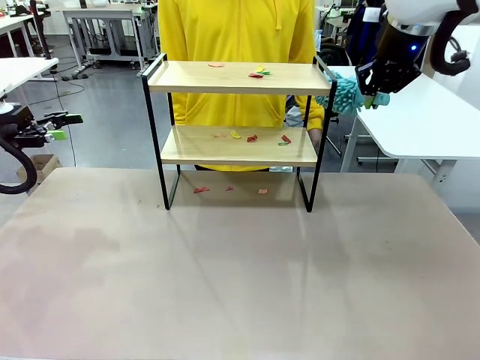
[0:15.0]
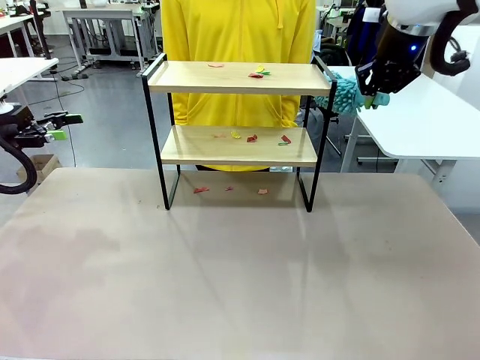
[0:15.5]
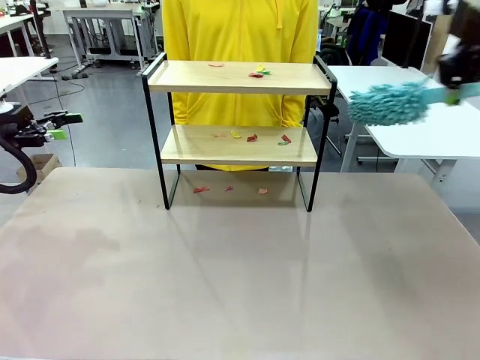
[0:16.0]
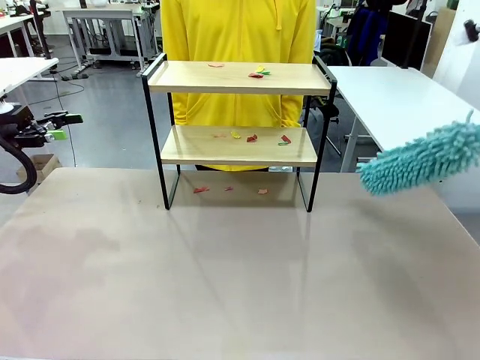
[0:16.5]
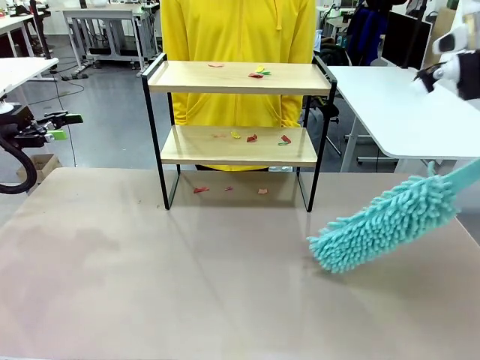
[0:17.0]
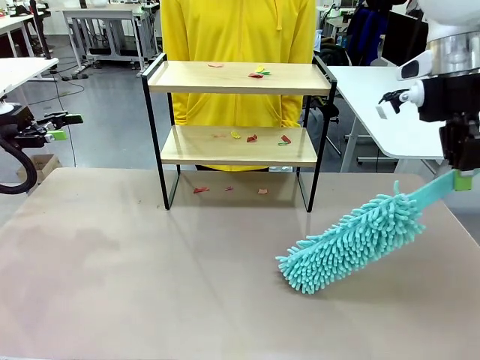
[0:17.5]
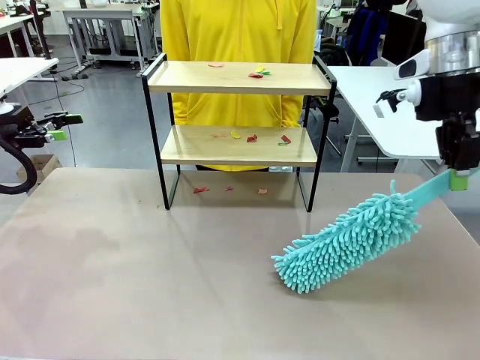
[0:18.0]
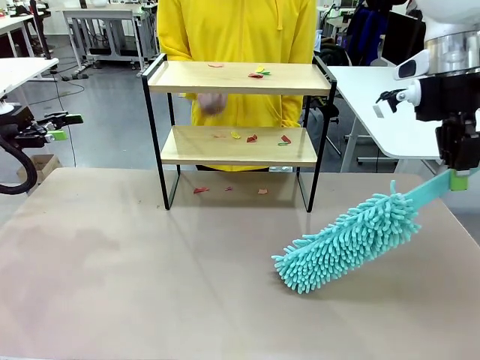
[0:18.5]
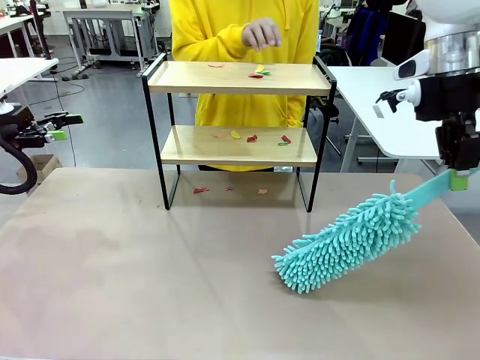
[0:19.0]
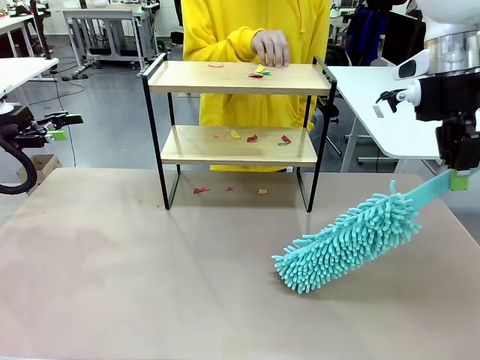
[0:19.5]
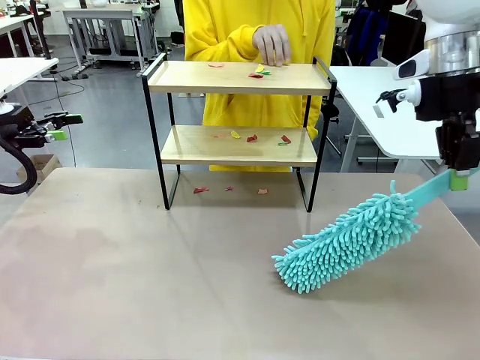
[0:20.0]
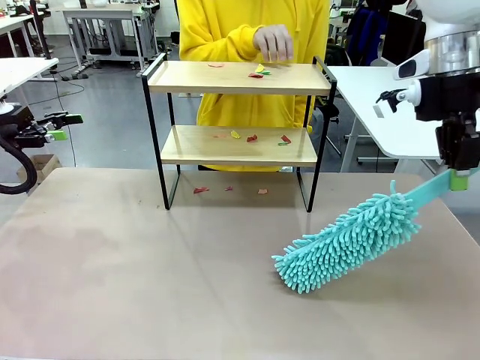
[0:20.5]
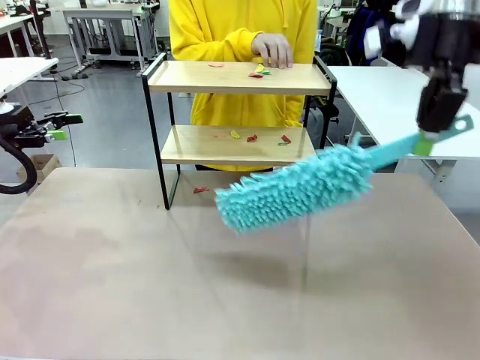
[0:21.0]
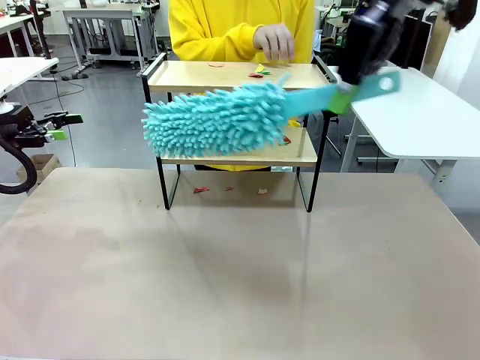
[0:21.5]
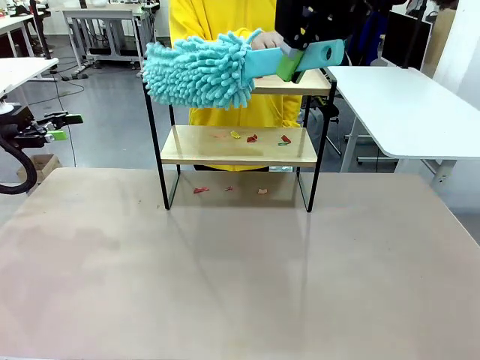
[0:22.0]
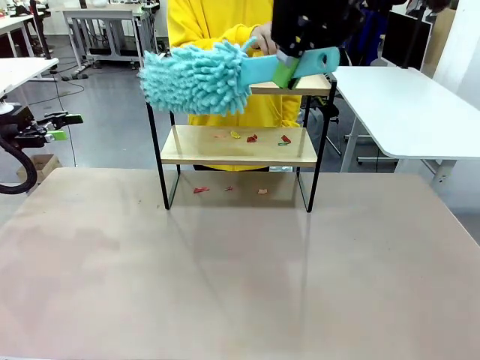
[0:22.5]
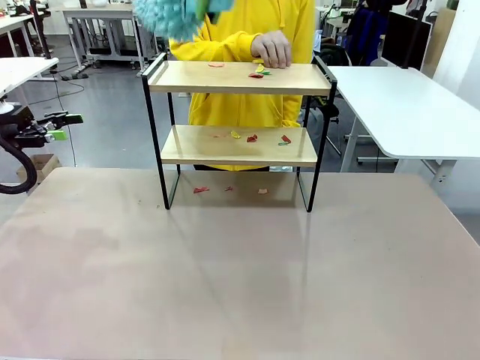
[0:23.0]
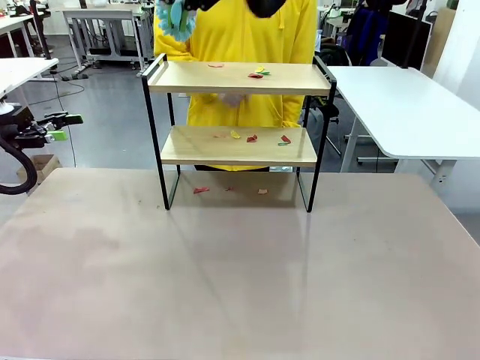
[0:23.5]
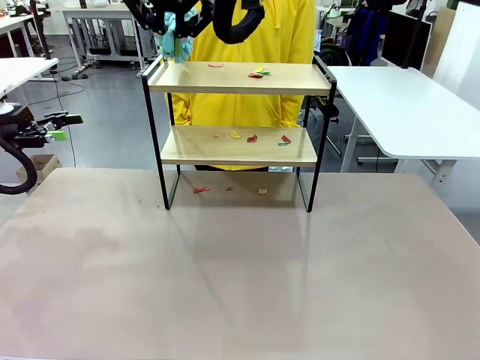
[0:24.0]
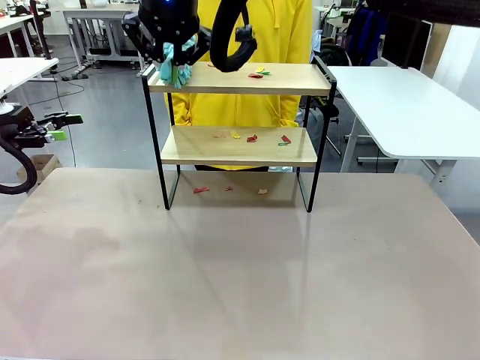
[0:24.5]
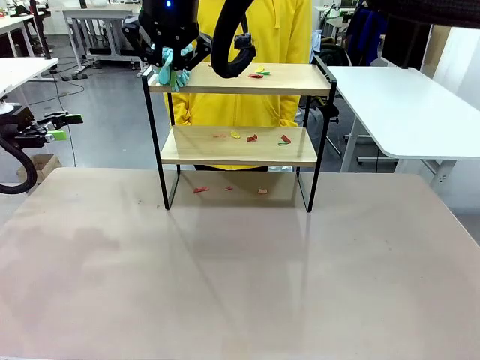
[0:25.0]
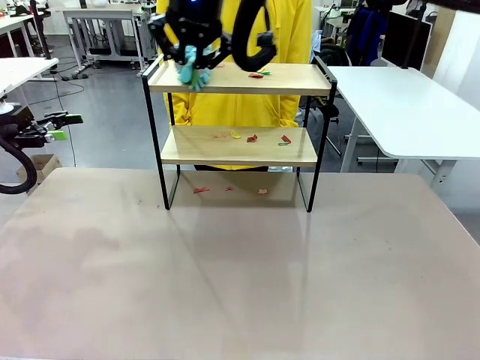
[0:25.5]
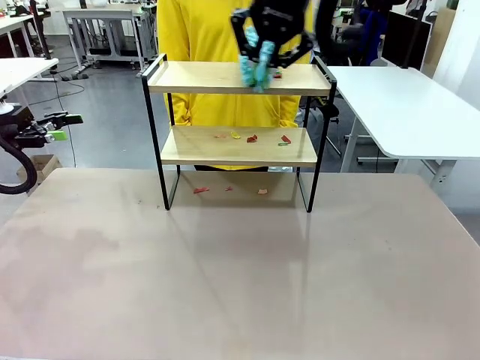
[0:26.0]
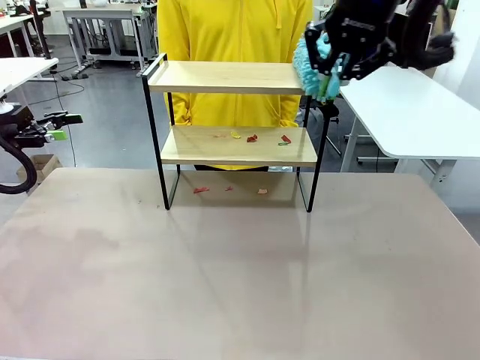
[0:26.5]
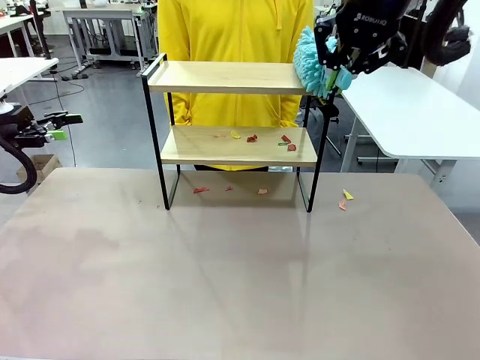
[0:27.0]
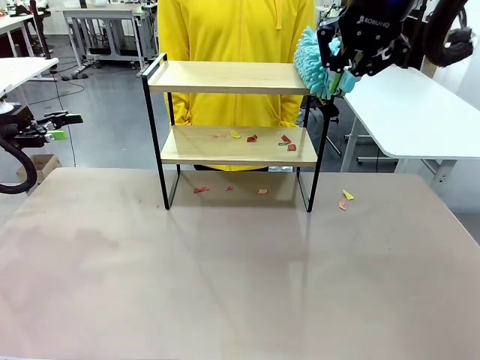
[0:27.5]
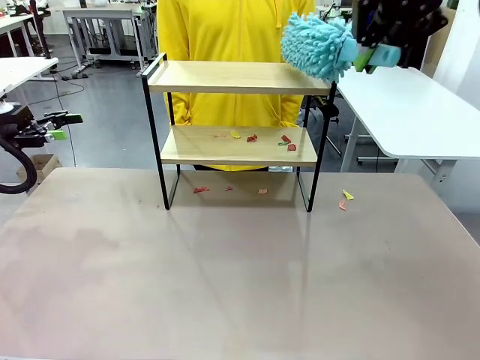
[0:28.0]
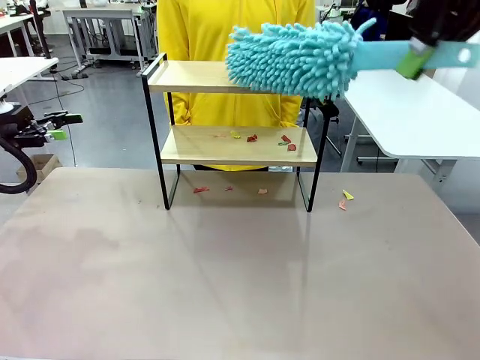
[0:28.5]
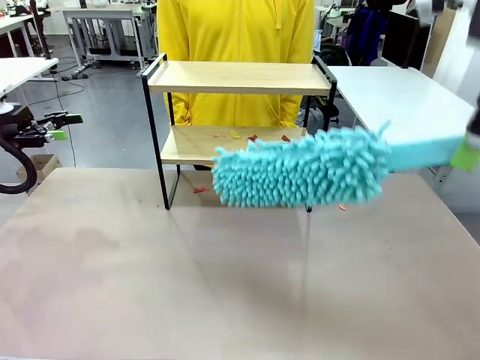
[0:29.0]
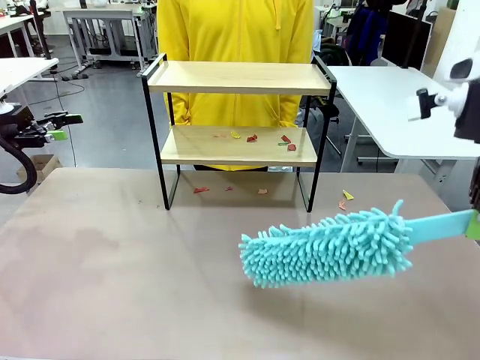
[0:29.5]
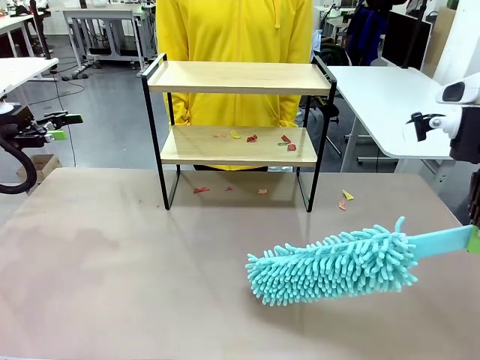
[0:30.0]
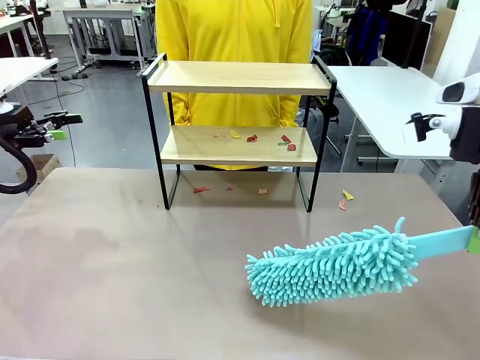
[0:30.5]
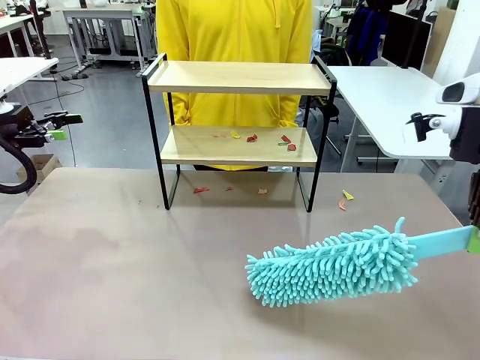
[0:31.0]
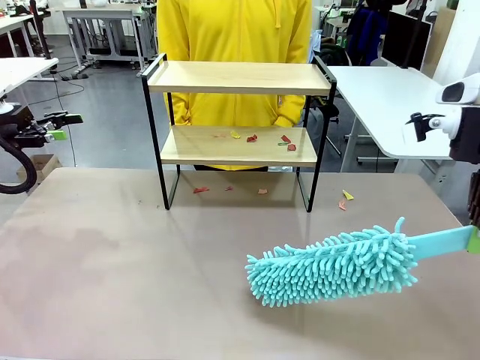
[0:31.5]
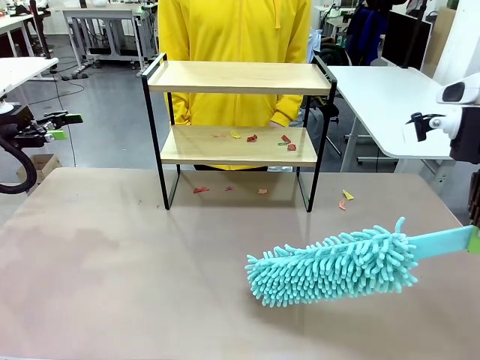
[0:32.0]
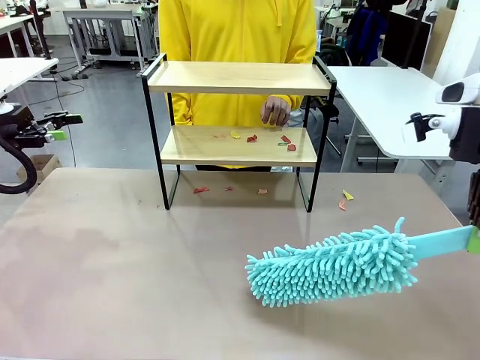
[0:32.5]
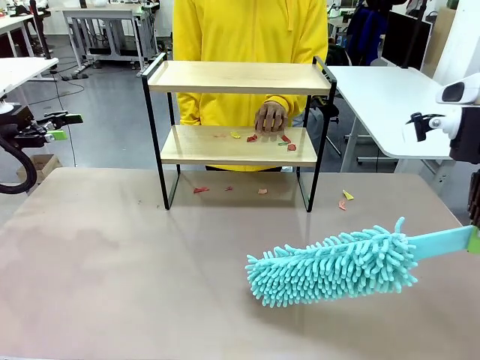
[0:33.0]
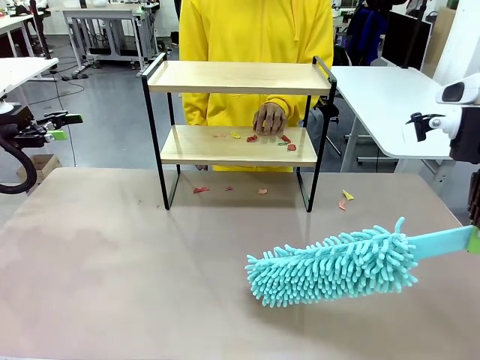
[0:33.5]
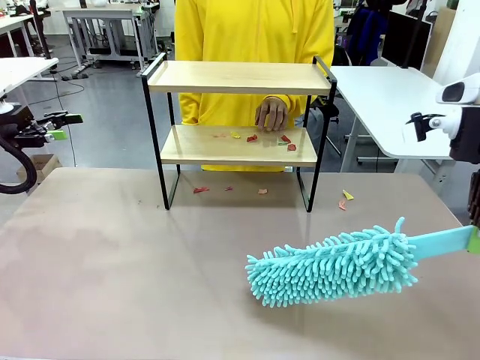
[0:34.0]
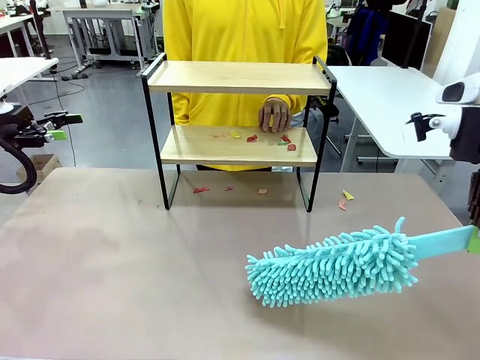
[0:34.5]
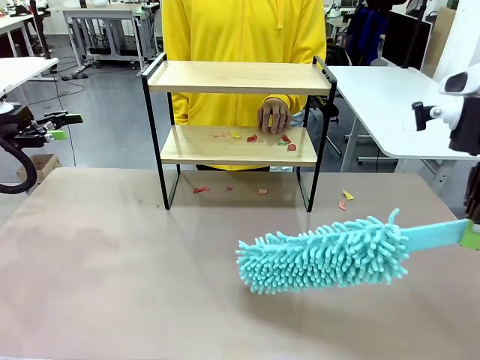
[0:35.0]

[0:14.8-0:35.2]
Task: Clean the shelf.
Robot: Clean the specific section of the Shelf indicated by the human with the Duster.
Person: Point a random section of the Shelf.
